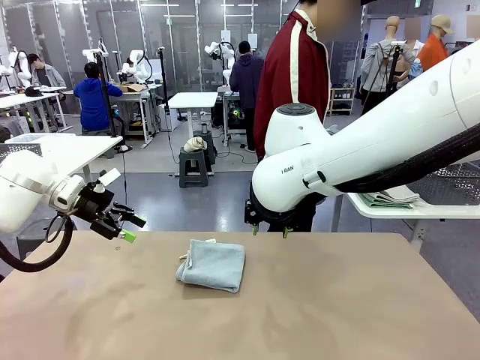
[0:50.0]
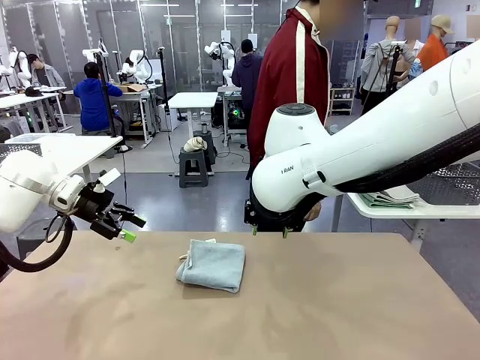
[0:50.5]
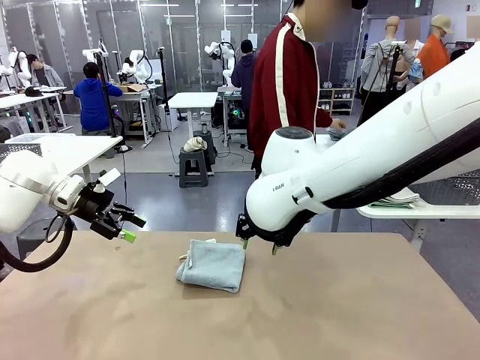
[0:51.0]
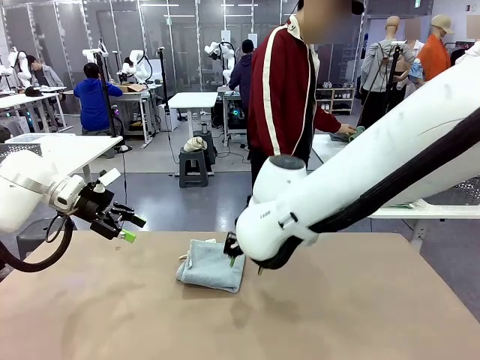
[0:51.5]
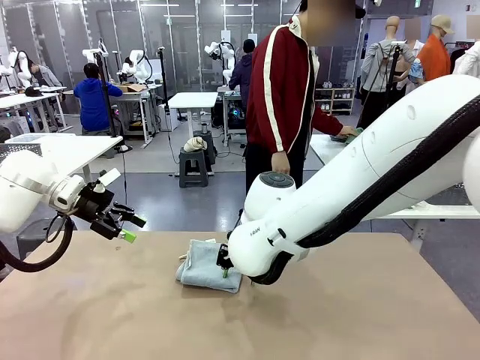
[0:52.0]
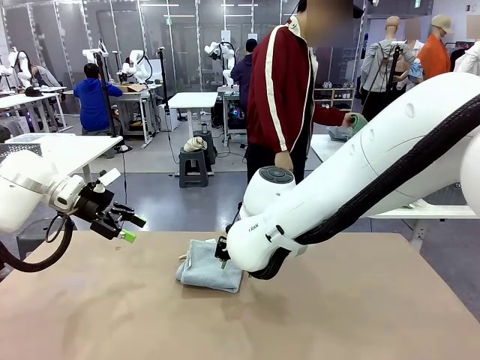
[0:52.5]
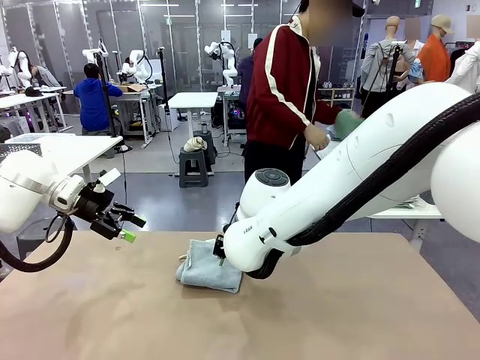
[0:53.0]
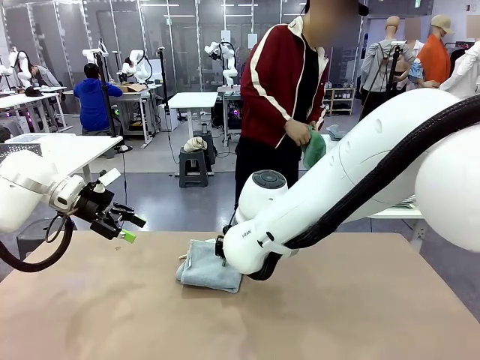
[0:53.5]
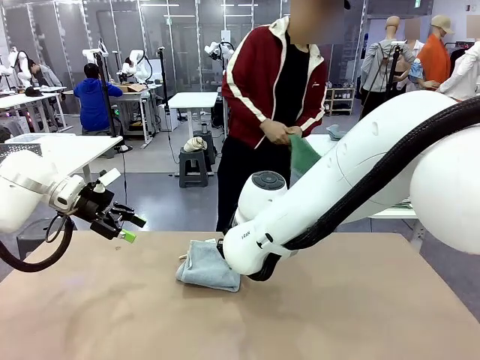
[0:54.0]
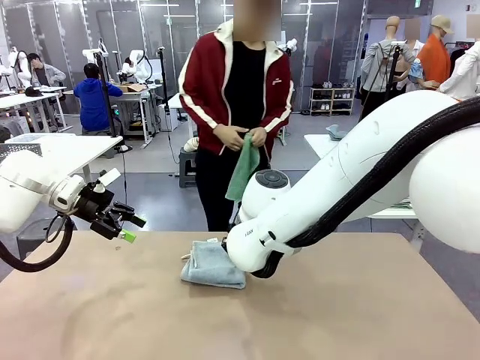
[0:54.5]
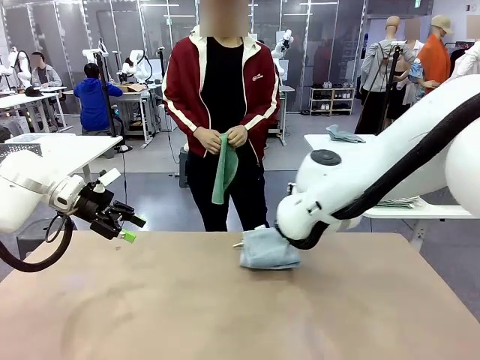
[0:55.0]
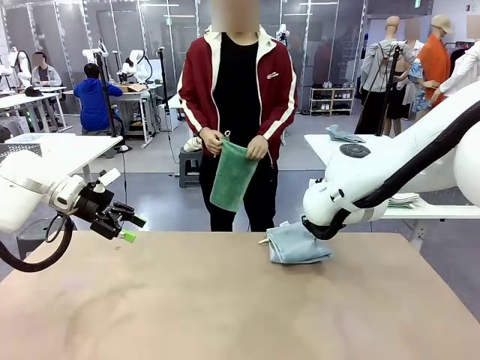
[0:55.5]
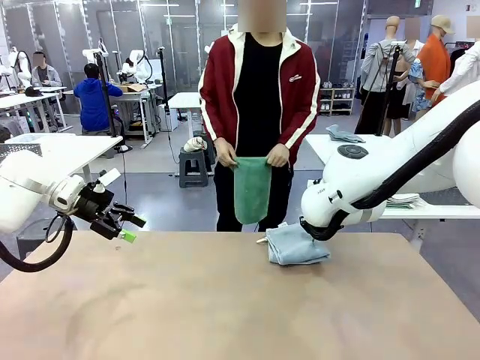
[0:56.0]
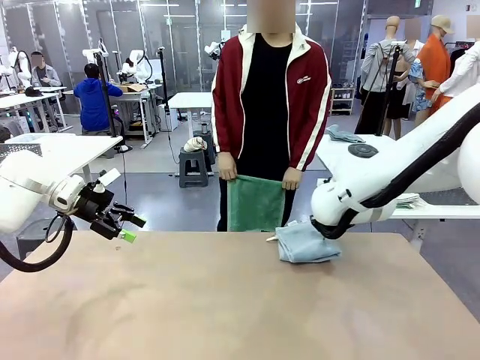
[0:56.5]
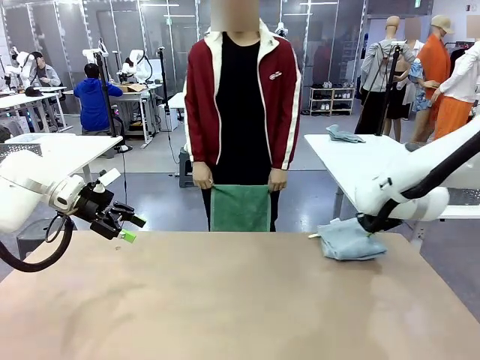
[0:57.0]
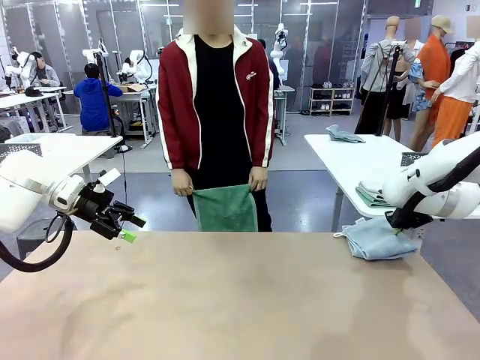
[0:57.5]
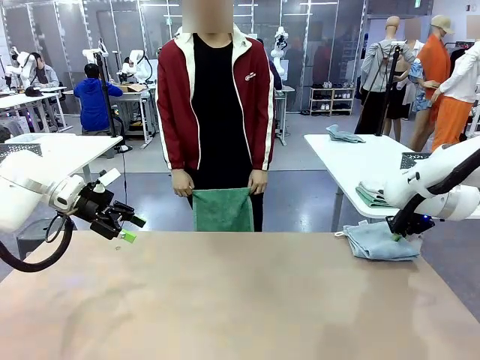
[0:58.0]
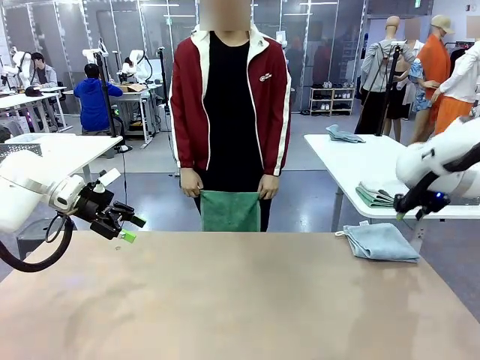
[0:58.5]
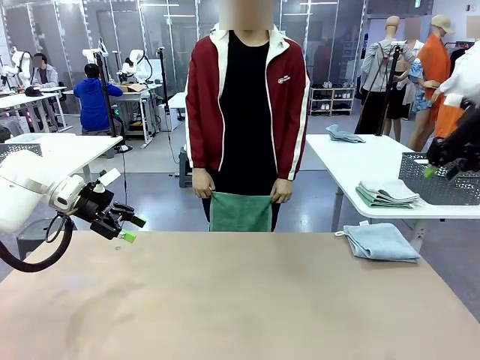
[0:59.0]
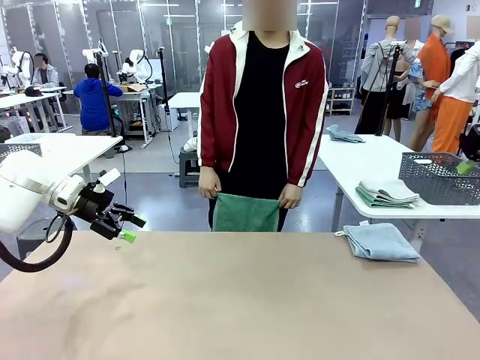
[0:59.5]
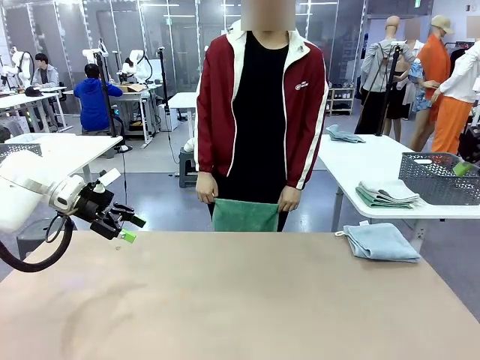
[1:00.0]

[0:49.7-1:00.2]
Task: Fold the towels and place them in the basket.
Robot: Place the folded Towel with hook on the right side of the table.
Person: Pick up one towel from the left side of the human table and spread it out at the center of the robot table.

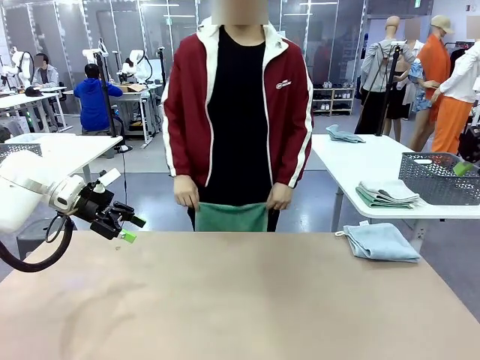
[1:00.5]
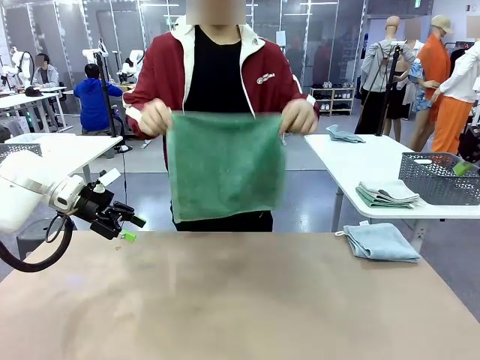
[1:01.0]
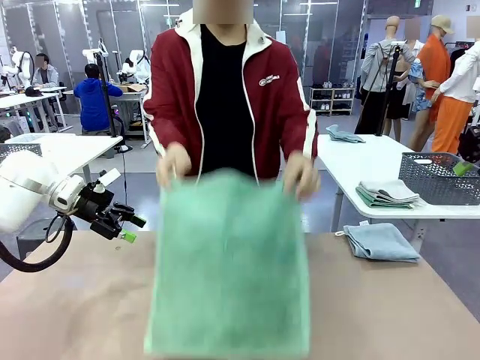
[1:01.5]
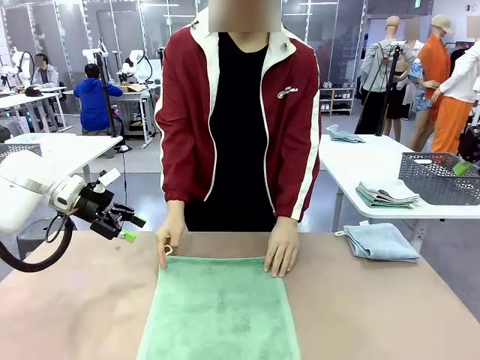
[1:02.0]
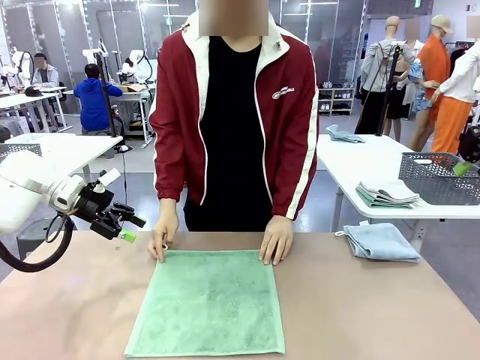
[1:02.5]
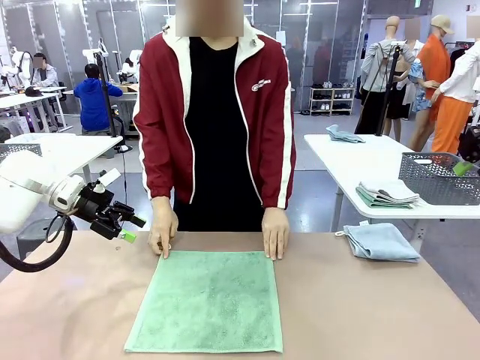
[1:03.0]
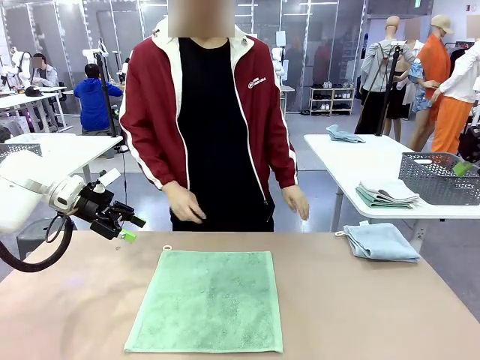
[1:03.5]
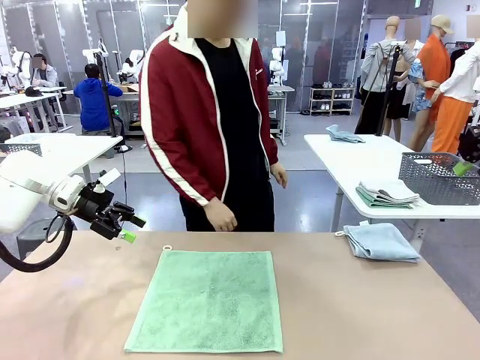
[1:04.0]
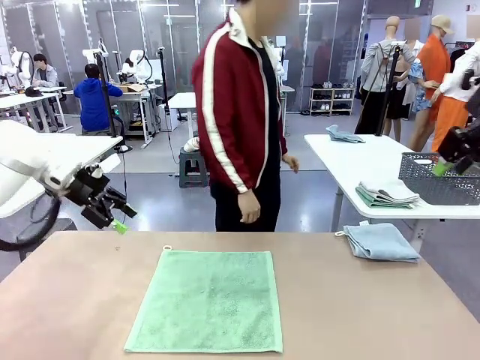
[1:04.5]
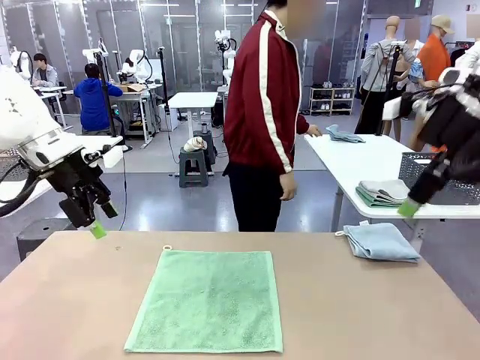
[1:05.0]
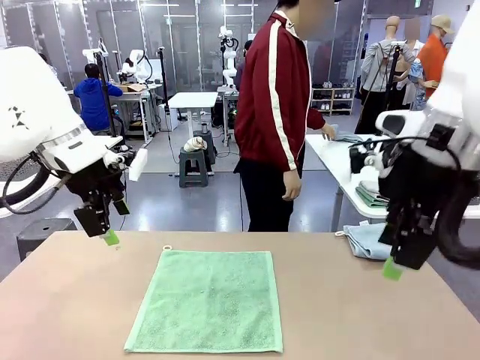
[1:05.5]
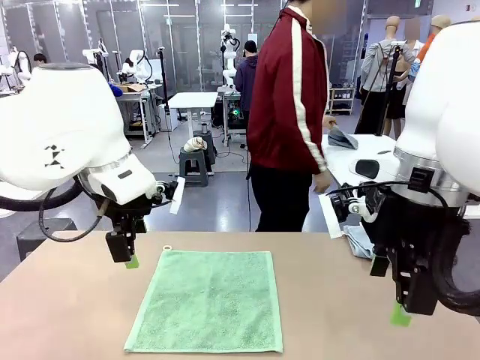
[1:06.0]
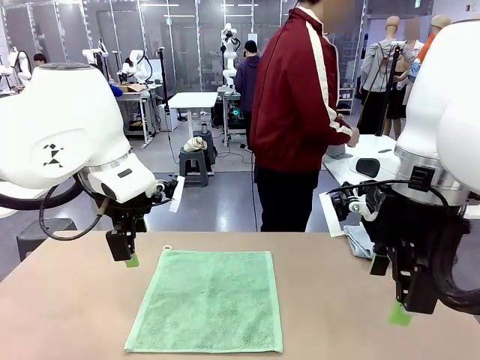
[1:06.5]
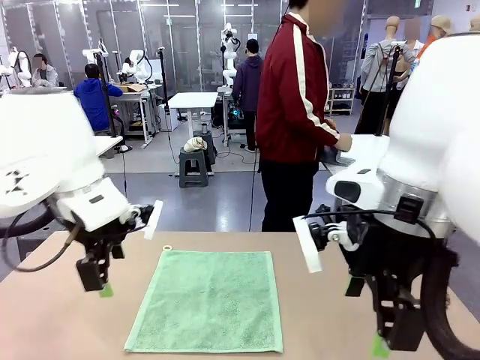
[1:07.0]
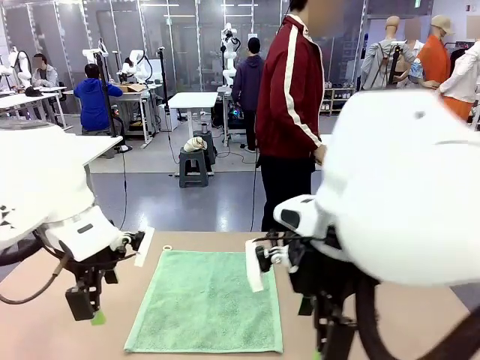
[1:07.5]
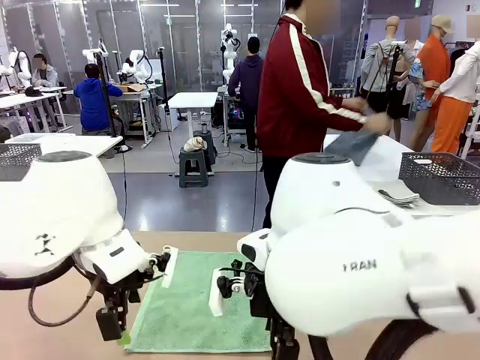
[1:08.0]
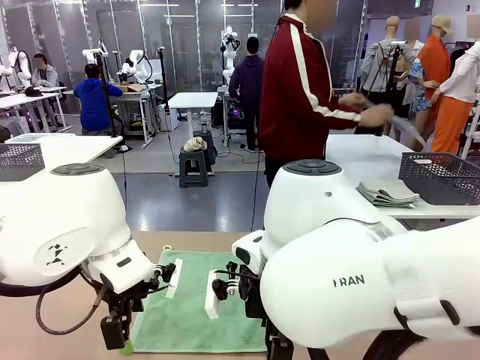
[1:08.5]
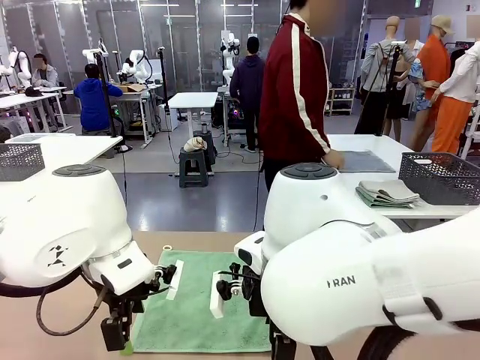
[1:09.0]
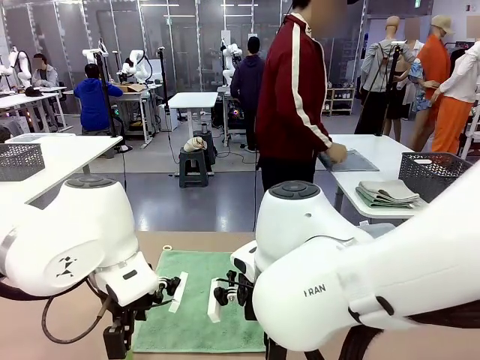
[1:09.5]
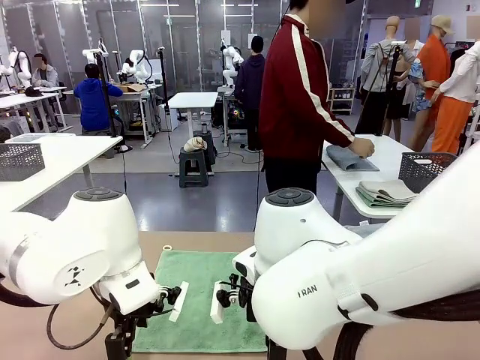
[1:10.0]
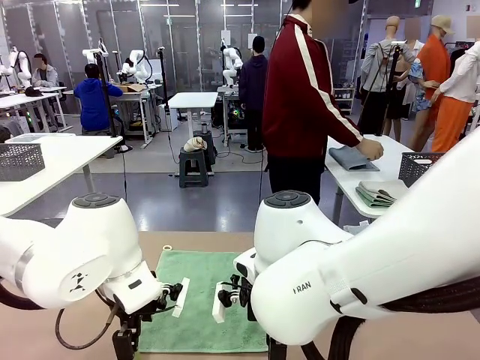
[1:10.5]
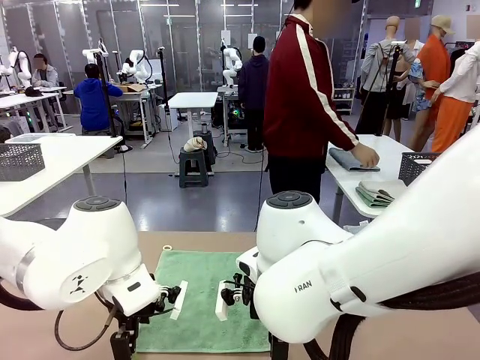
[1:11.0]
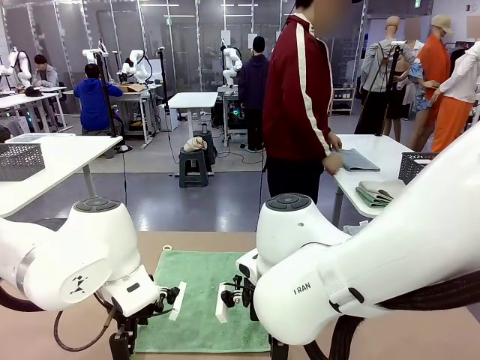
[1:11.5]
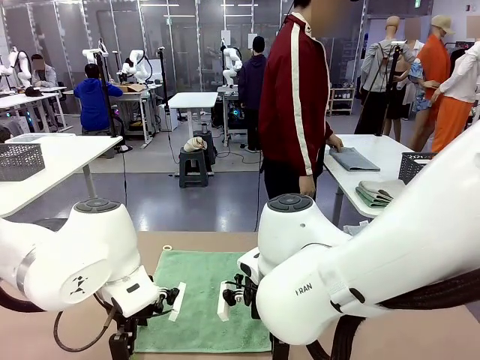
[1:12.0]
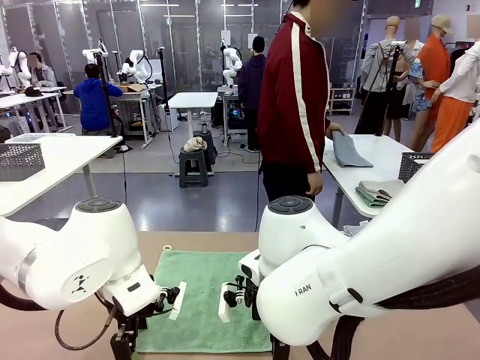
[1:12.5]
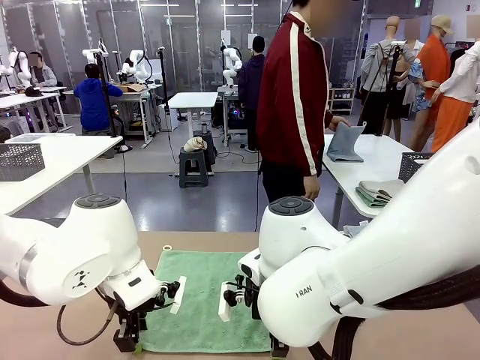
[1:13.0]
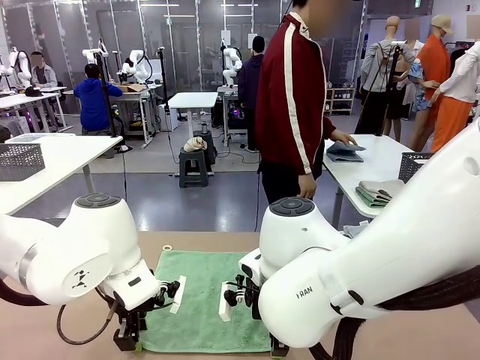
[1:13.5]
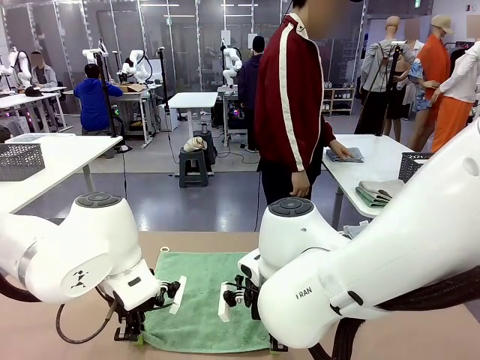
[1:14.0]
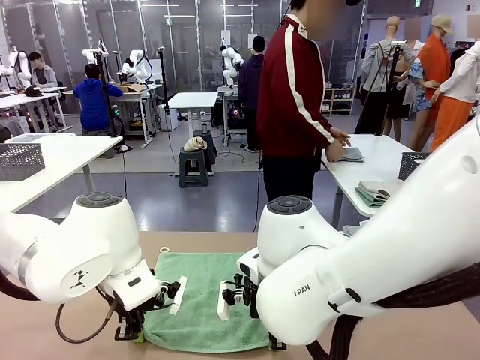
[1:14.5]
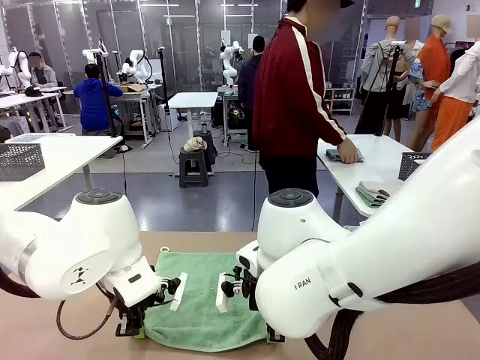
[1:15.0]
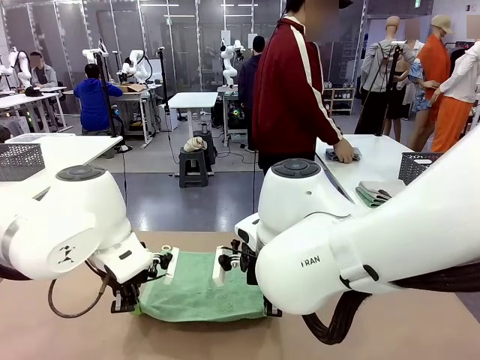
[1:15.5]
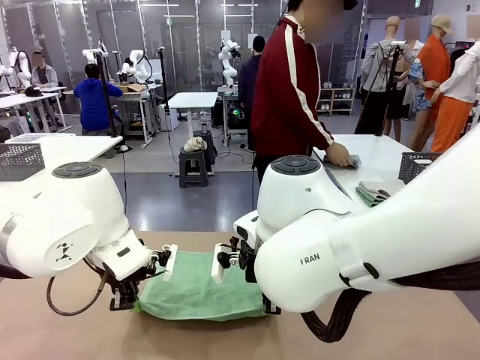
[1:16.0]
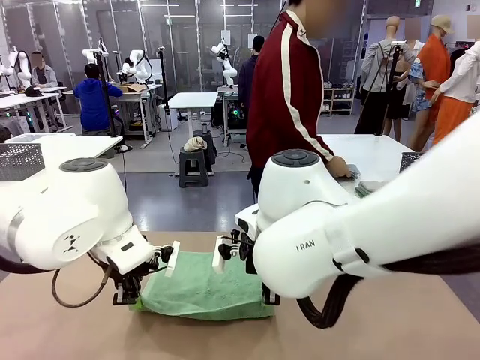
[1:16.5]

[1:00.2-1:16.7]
Robot: When a person lays out a Towel with hook on the table, fold it in half twice.
Person: Pick up one towel from the left side of the human table, fold it in half twice, and stack it on the right side of the table.
